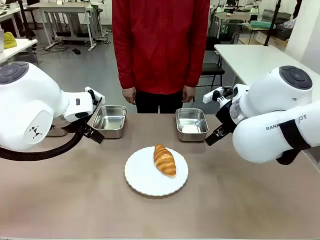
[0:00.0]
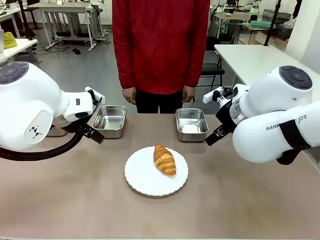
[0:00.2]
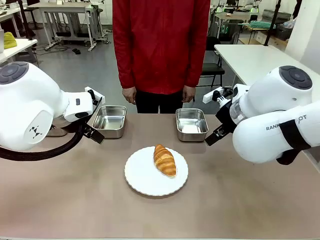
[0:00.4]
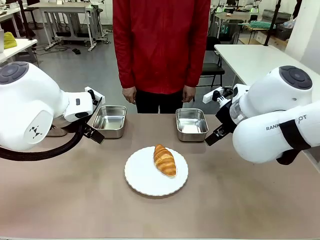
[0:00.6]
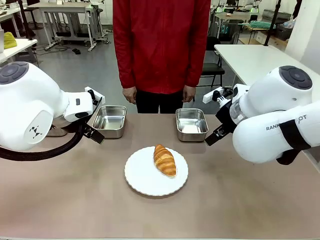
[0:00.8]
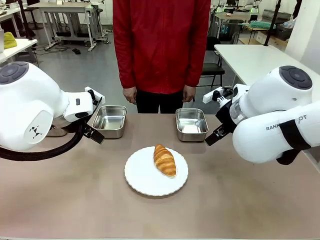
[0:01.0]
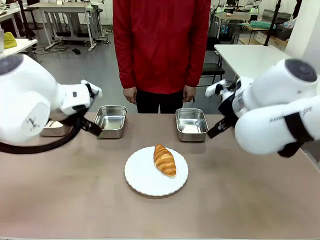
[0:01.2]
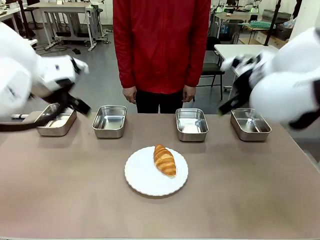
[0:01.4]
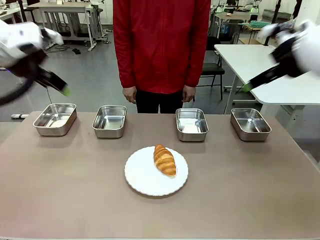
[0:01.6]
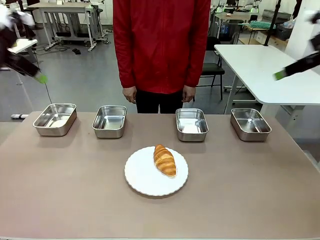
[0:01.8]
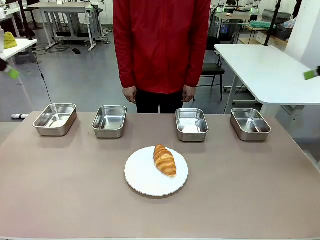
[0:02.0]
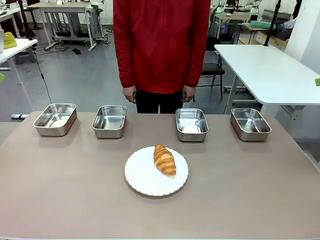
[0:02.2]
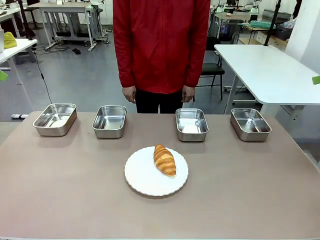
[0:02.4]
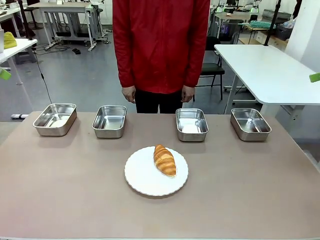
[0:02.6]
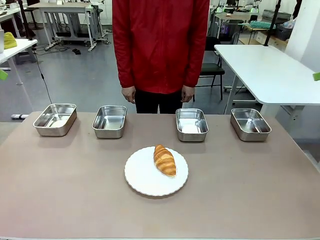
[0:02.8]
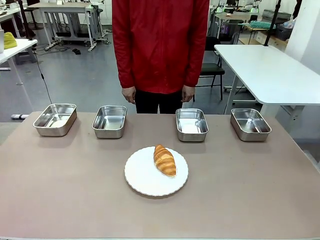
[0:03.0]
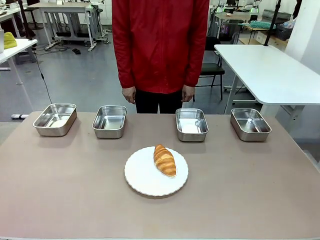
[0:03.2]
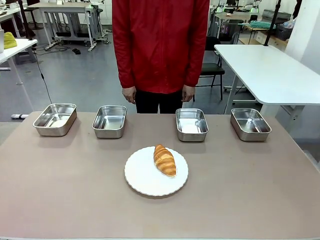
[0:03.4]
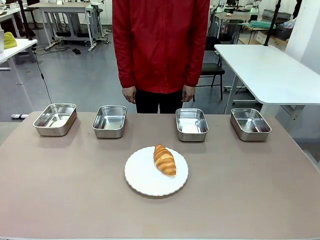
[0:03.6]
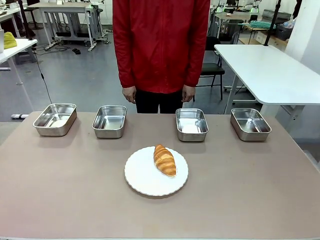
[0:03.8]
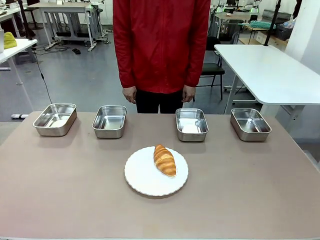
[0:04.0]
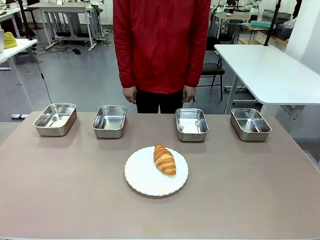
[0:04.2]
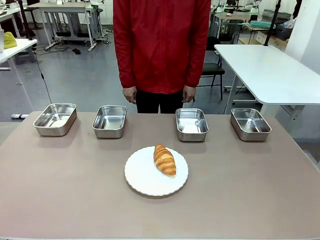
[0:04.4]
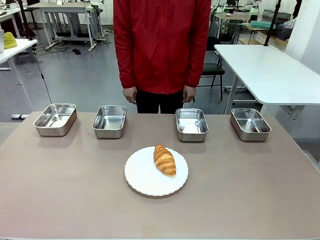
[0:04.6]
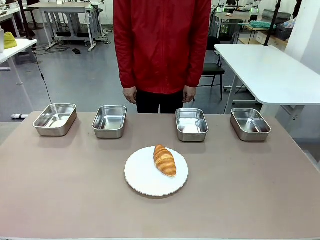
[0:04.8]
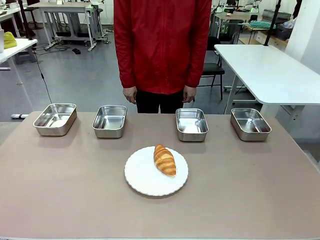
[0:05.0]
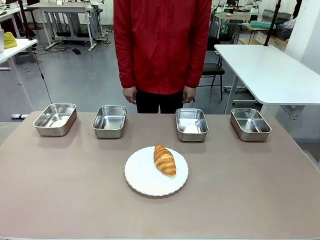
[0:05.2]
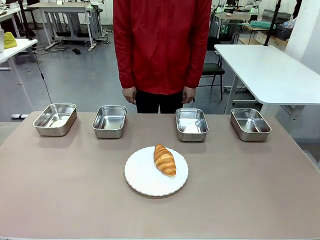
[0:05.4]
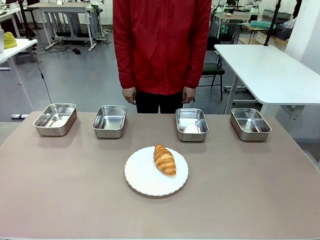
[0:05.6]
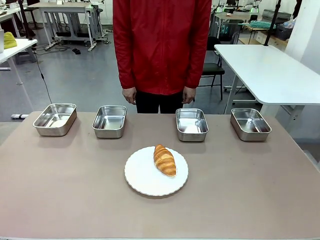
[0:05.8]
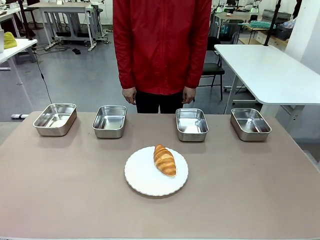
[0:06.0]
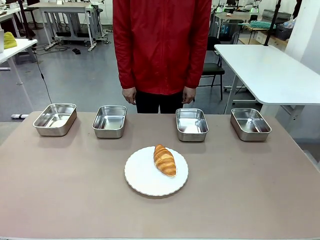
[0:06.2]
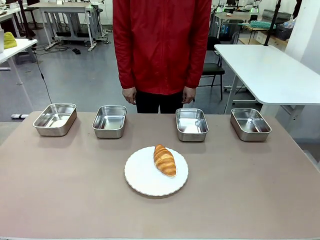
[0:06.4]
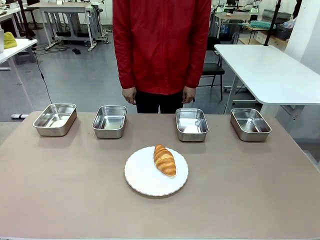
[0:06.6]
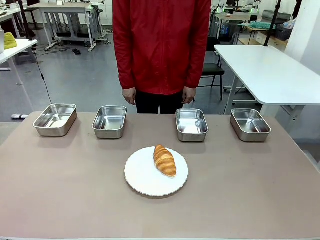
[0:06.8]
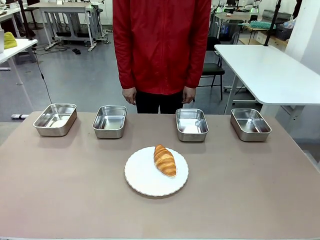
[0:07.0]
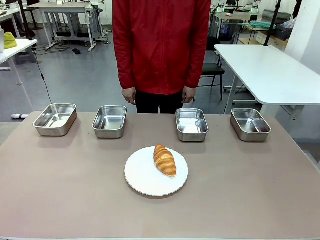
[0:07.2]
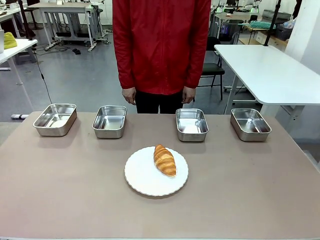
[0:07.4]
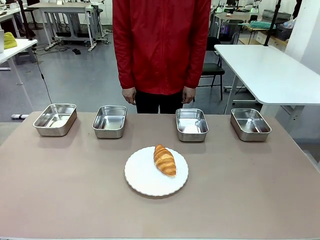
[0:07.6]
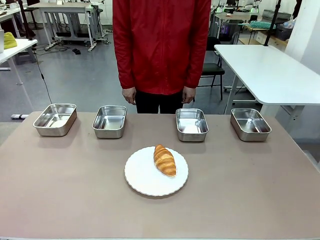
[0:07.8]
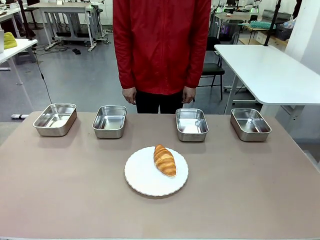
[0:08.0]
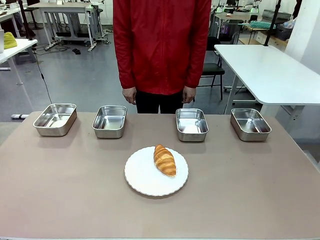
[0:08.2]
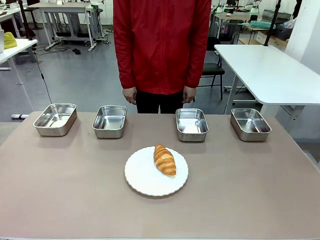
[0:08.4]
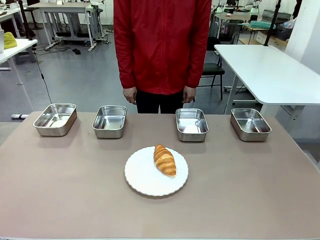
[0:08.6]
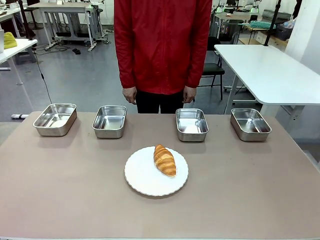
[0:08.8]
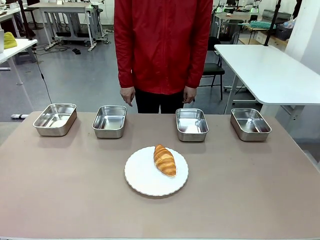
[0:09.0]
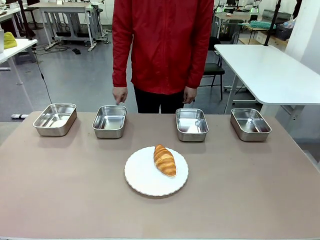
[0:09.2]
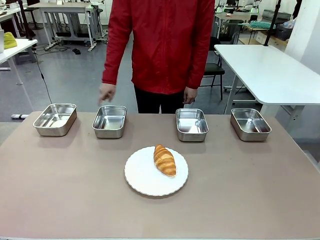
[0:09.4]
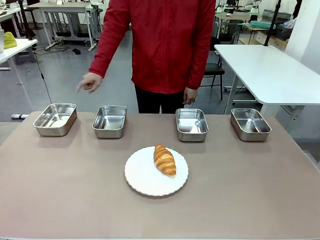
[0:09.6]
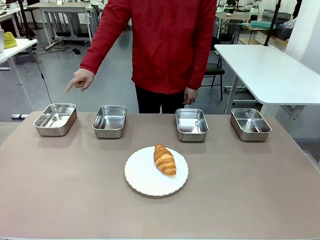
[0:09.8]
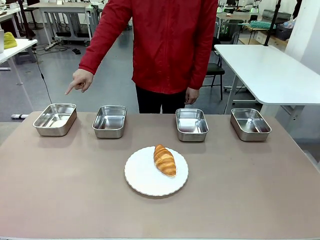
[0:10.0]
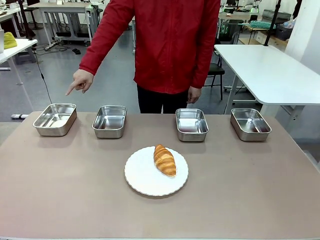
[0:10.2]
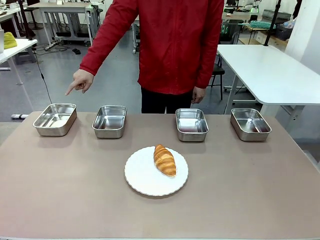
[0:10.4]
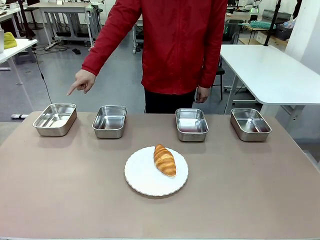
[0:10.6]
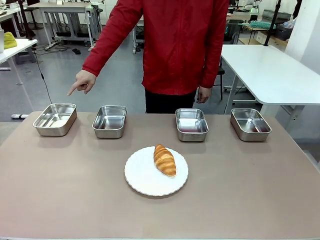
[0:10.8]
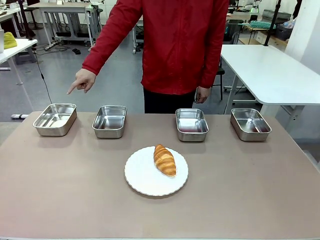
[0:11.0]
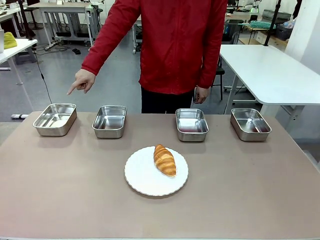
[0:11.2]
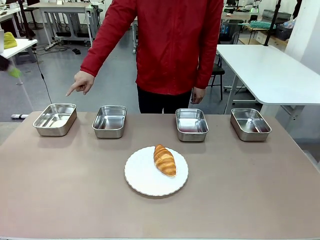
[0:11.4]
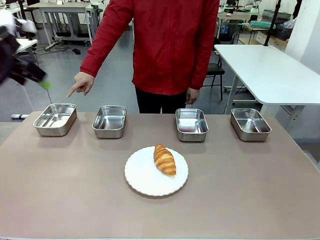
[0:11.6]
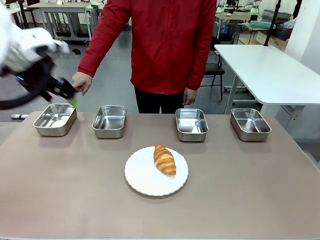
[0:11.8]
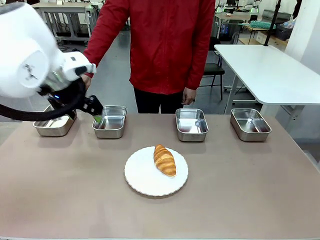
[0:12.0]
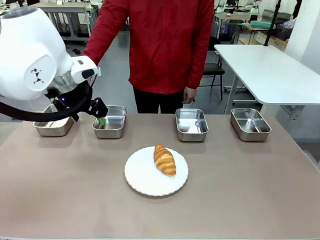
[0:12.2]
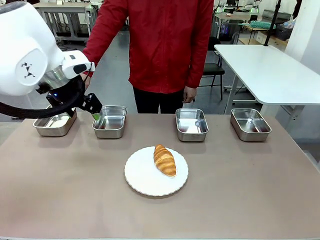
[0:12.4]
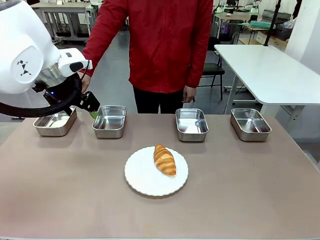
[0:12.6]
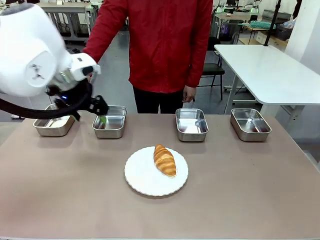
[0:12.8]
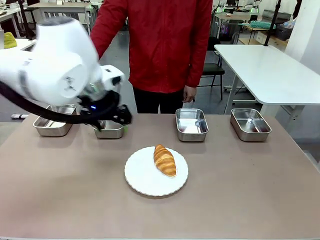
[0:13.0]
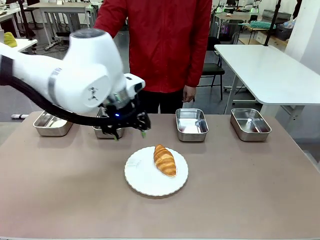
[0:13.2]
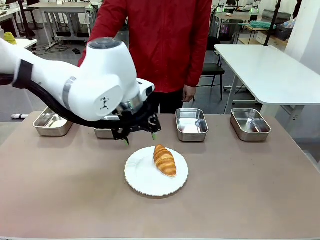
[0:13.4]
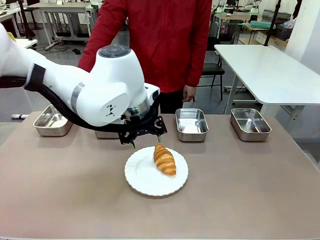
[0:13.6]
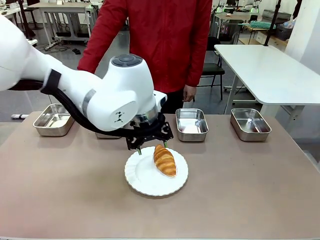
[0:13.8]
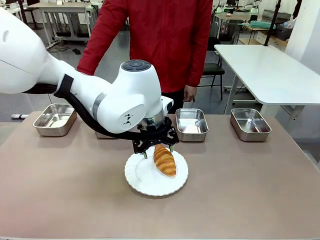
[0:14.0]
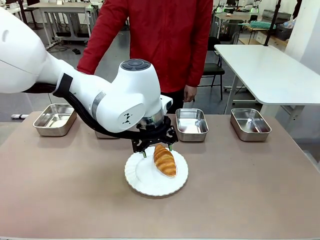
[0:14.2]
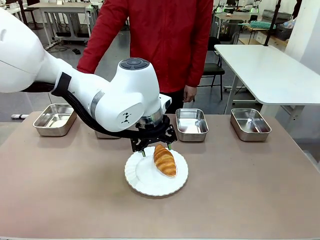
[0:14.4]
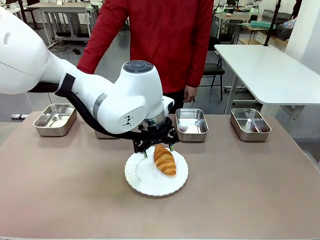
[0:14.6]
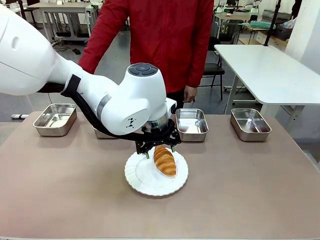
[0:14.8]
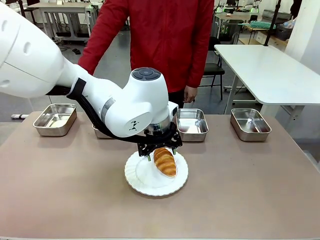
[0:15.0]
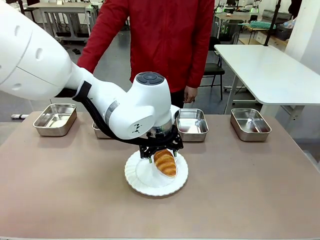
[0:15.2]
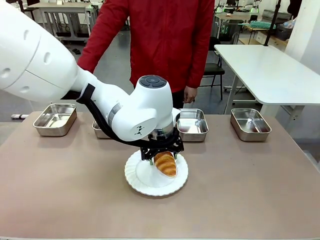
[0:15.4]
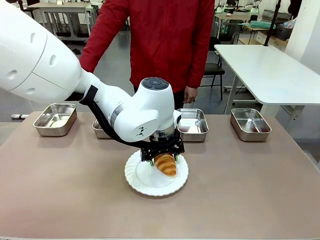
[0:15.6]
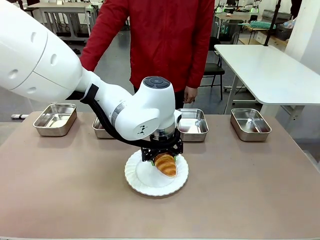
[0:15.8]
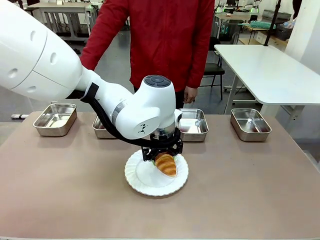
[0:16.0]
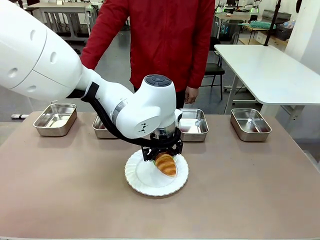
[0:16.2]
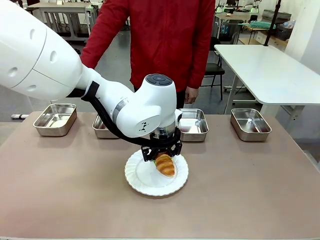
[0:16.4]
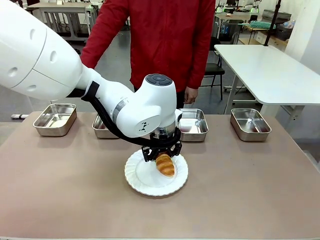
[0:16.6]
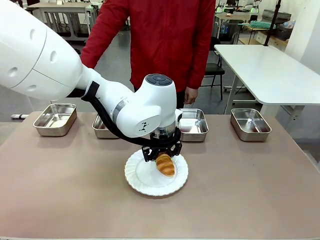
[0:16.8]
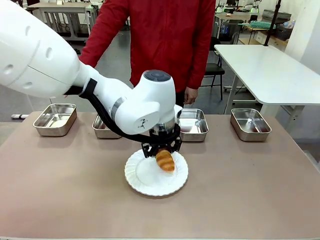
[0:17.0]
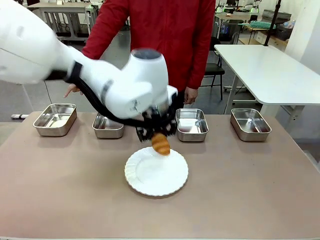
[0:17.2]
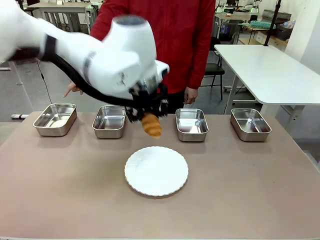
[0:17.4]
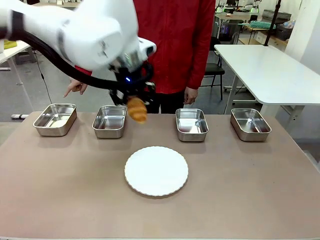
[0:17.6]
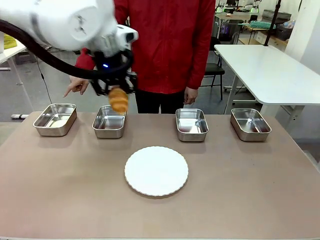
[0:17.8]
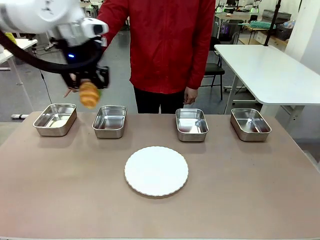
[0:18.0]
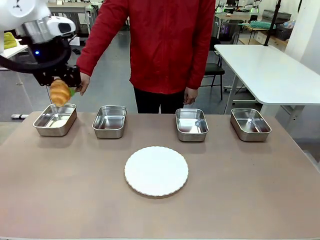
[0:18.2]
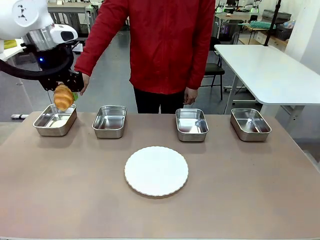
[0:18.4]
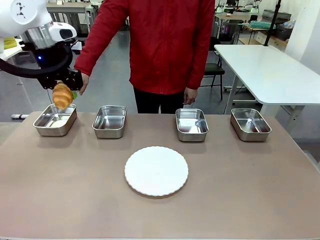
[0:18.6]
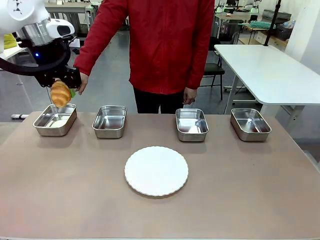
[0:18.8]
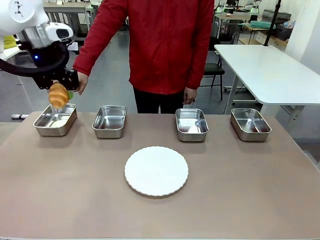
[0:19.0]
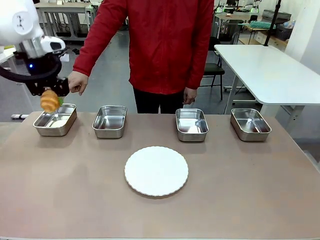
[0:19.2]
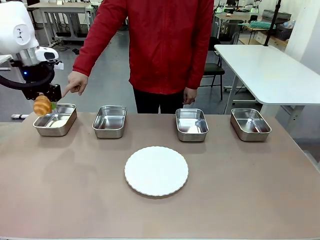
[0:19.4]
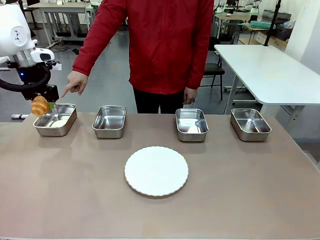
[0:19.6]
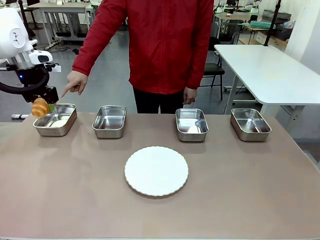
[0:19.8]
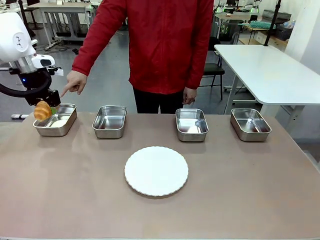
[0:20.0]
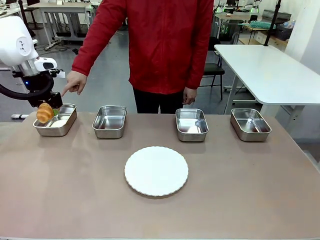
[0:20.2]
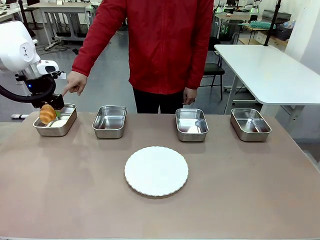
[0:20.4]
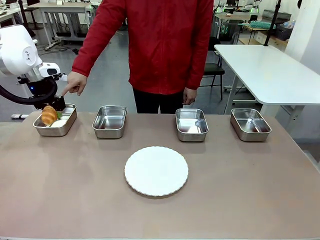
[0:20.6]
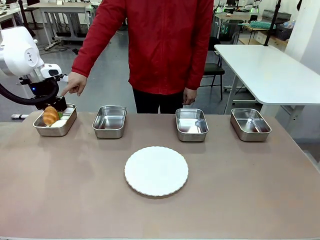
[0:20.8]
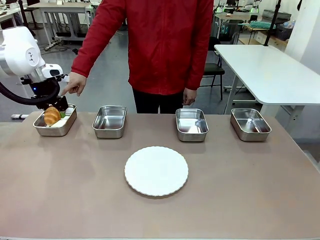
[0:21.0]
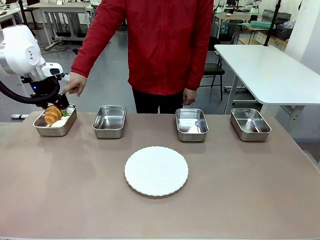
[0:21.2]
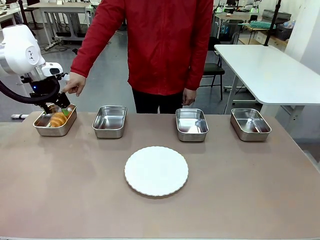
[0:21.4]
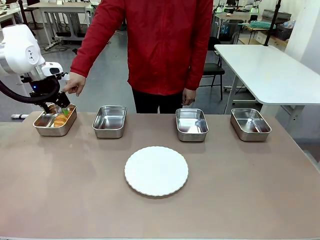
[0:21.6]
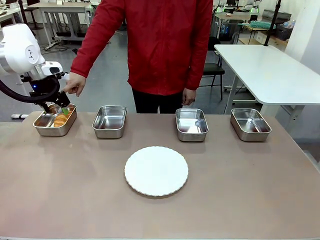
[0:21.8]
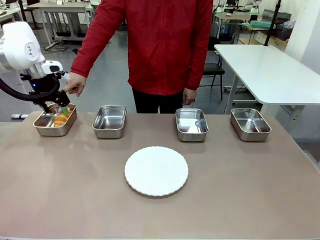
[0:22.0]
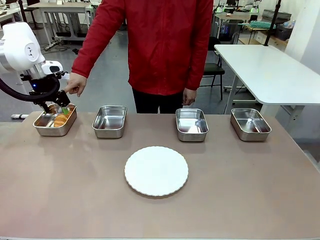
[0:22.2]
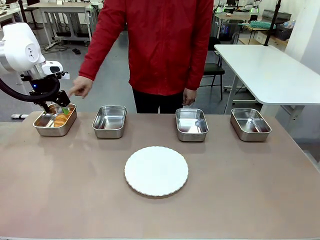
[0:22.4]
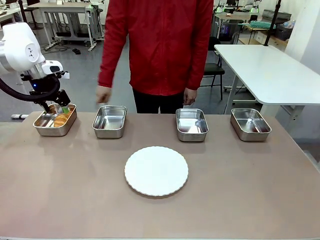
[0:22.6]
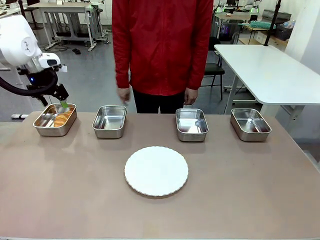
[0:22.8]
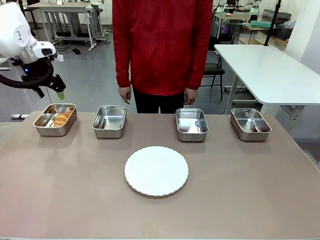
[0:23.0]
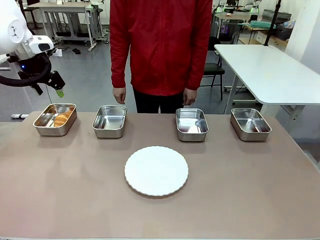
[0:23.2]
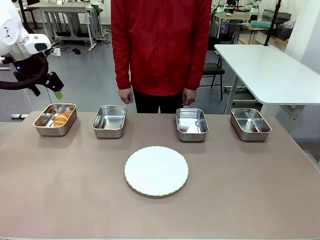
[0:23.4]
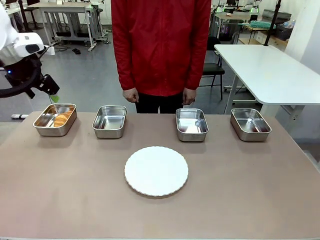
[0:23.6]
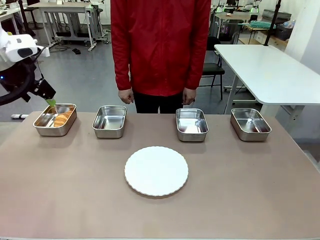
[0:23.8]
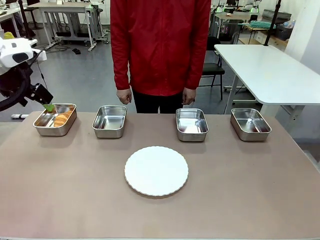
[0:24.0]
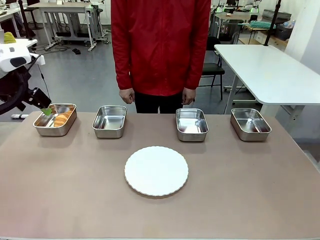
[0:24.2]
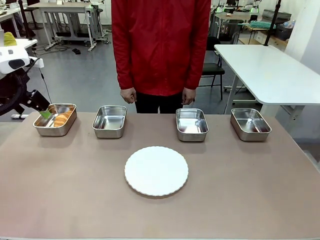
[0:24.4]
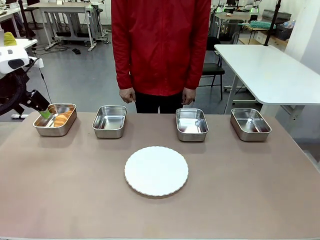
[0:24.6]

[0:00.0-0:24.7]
Task: Place the bread in the container.
Robot: Place the Butter Roll into the Airtight Container indicated by the human.
Person: A person randomly selects and points to an Airtight Container.
